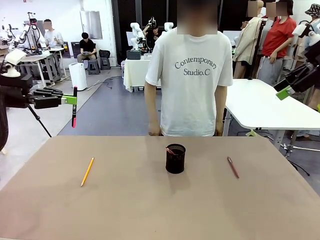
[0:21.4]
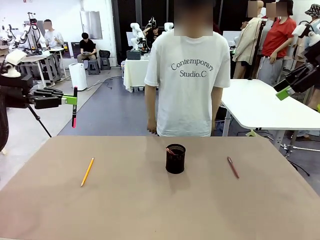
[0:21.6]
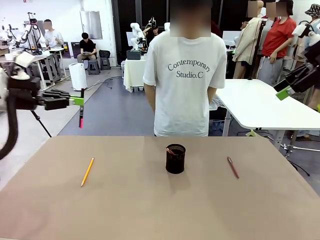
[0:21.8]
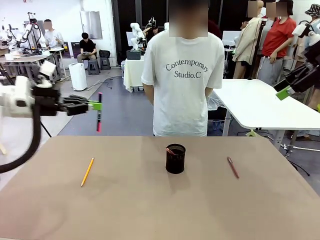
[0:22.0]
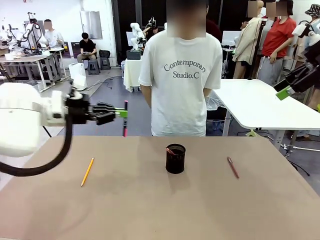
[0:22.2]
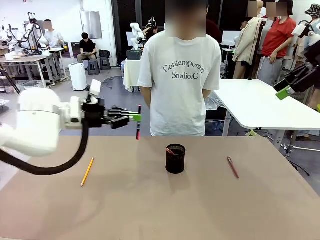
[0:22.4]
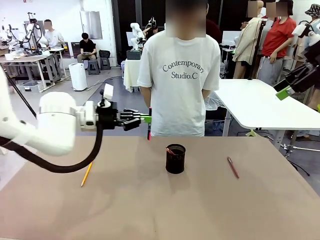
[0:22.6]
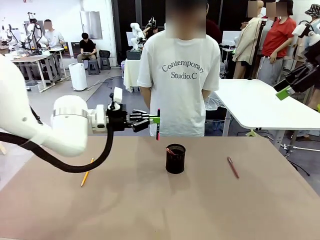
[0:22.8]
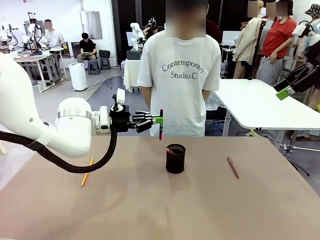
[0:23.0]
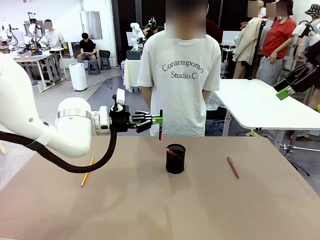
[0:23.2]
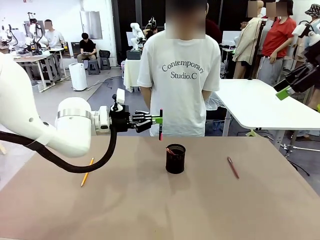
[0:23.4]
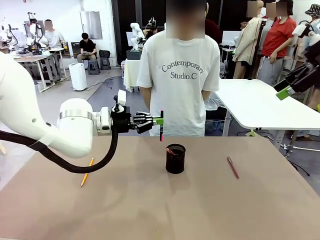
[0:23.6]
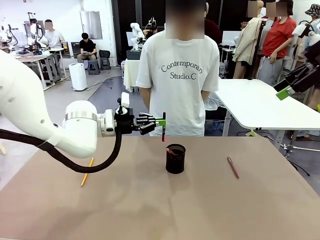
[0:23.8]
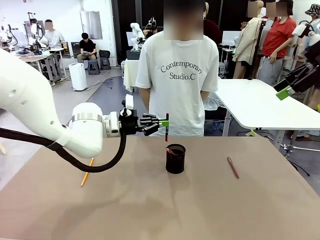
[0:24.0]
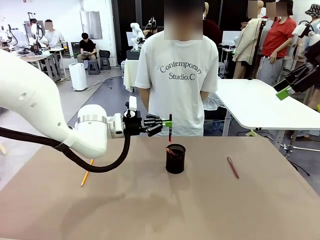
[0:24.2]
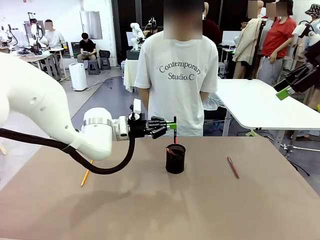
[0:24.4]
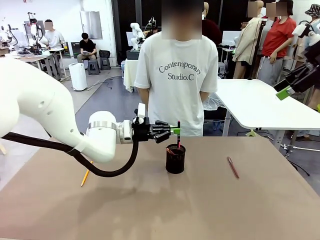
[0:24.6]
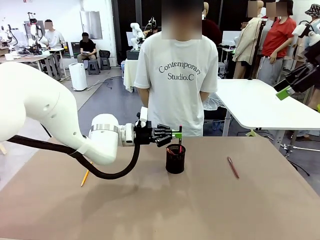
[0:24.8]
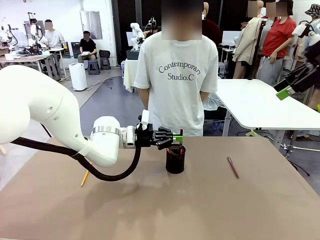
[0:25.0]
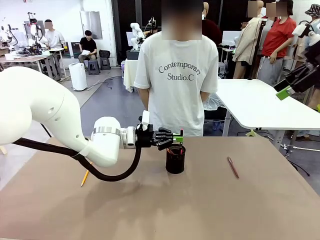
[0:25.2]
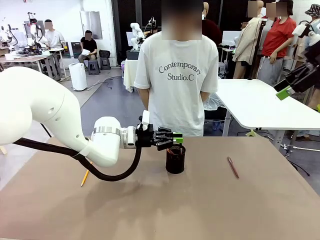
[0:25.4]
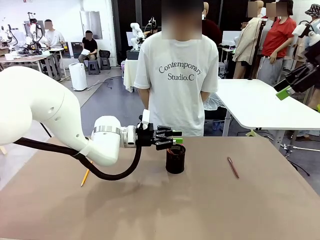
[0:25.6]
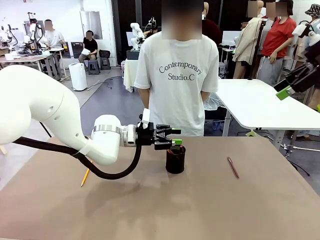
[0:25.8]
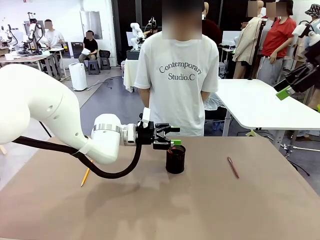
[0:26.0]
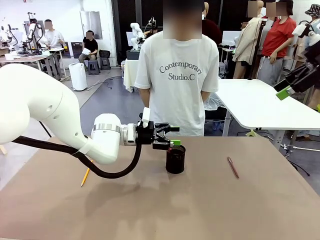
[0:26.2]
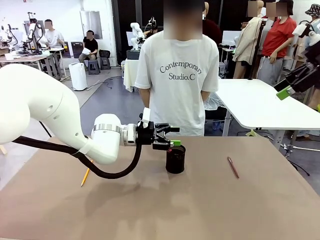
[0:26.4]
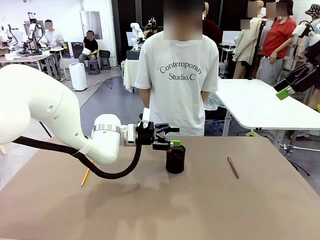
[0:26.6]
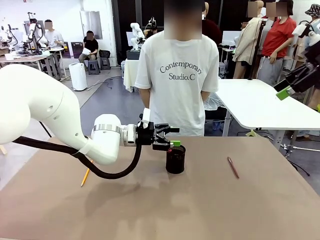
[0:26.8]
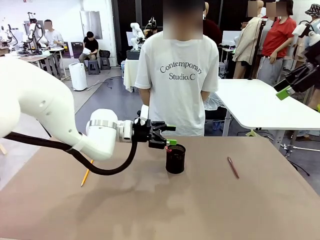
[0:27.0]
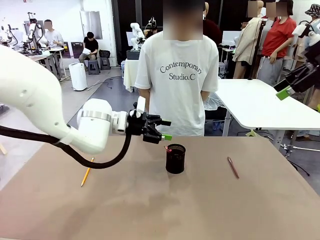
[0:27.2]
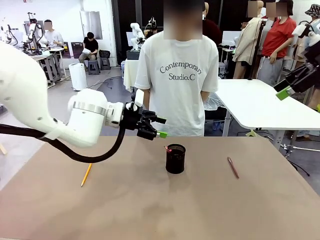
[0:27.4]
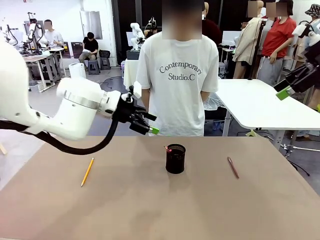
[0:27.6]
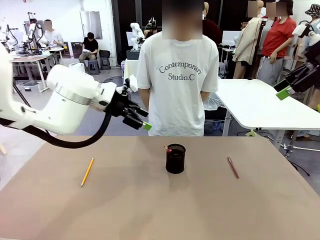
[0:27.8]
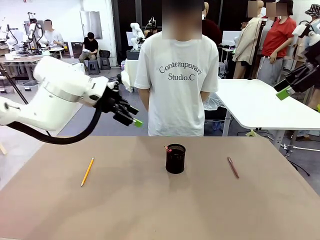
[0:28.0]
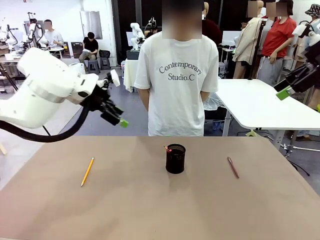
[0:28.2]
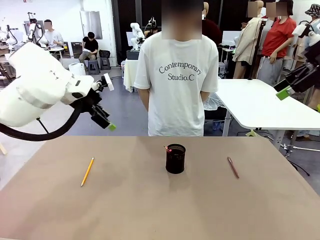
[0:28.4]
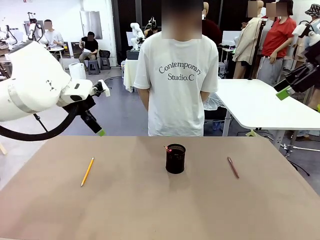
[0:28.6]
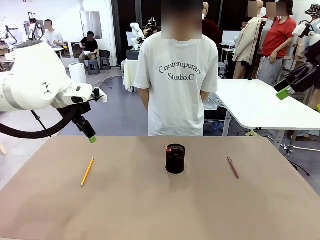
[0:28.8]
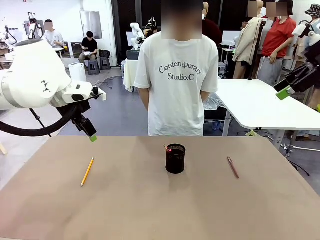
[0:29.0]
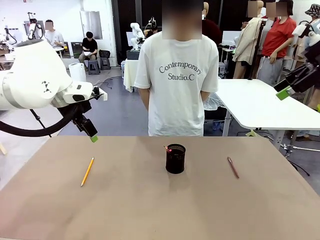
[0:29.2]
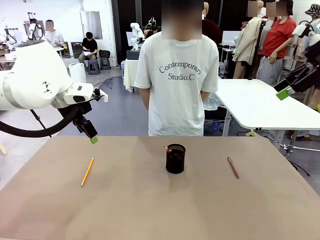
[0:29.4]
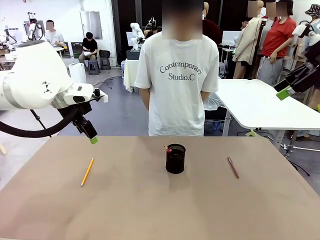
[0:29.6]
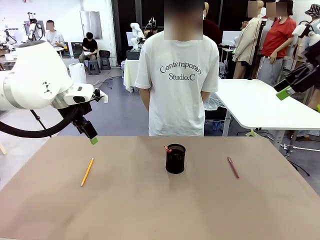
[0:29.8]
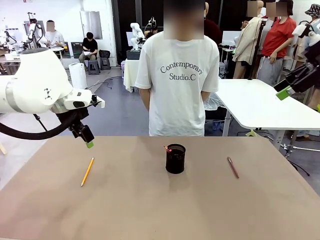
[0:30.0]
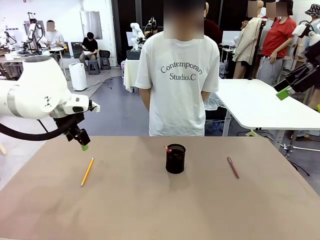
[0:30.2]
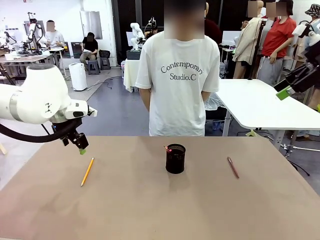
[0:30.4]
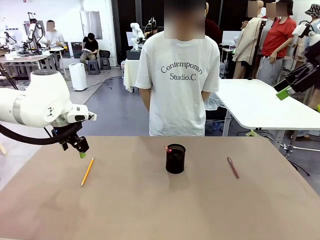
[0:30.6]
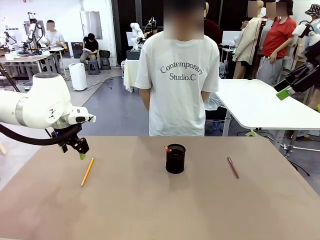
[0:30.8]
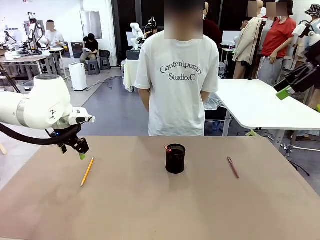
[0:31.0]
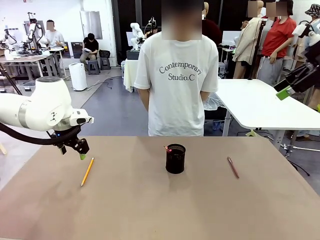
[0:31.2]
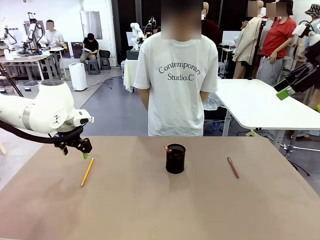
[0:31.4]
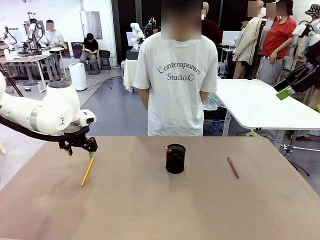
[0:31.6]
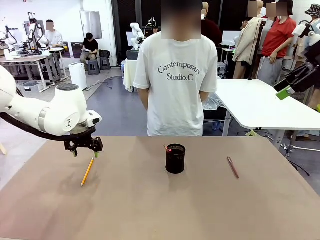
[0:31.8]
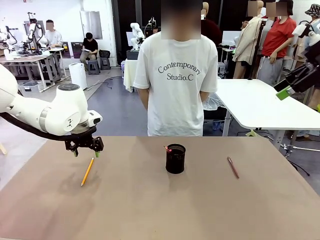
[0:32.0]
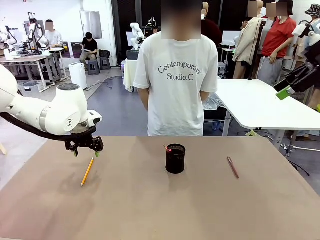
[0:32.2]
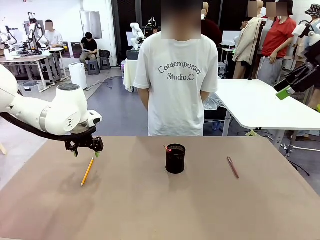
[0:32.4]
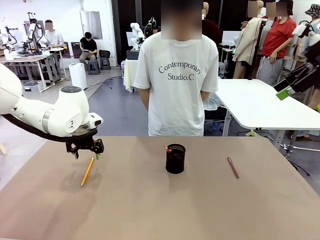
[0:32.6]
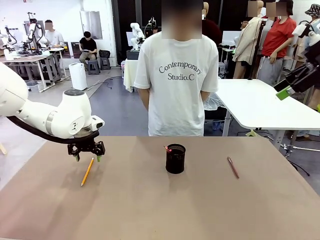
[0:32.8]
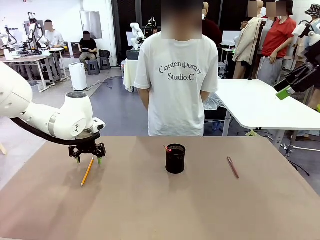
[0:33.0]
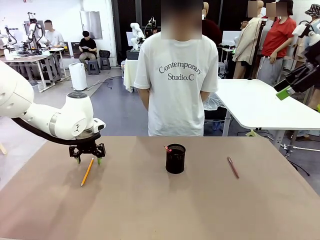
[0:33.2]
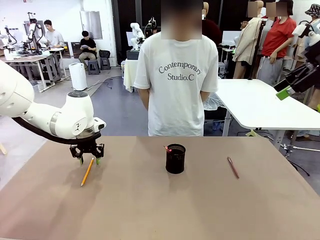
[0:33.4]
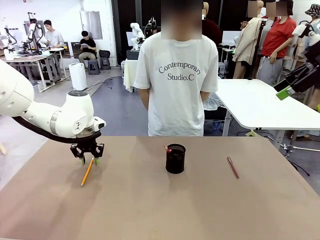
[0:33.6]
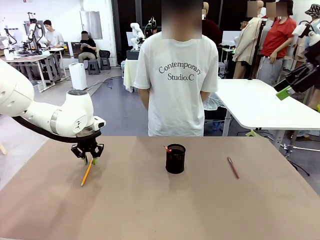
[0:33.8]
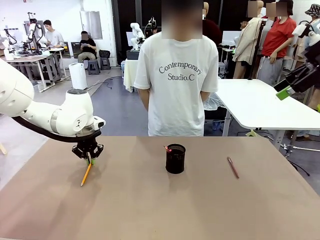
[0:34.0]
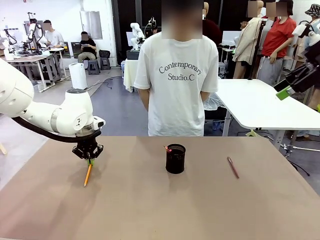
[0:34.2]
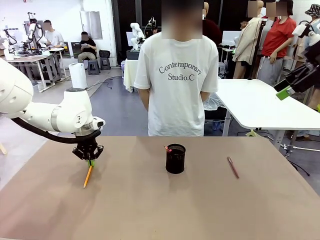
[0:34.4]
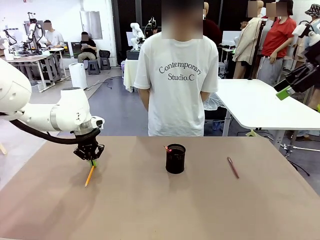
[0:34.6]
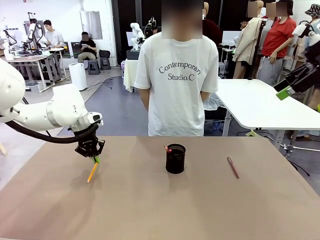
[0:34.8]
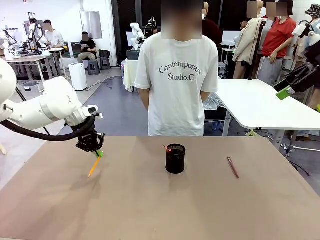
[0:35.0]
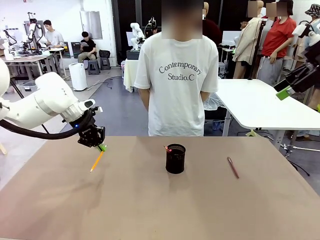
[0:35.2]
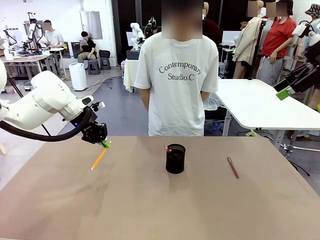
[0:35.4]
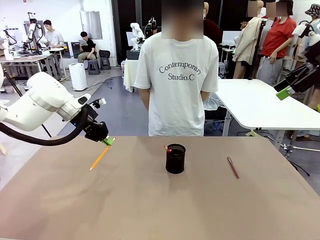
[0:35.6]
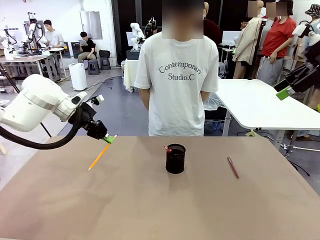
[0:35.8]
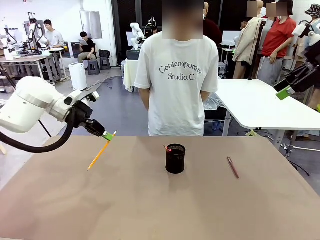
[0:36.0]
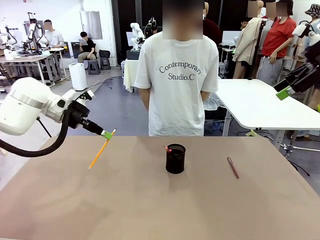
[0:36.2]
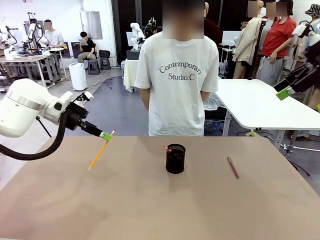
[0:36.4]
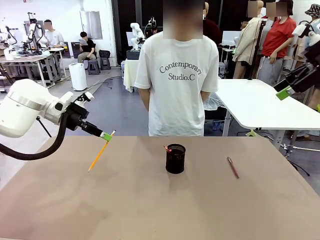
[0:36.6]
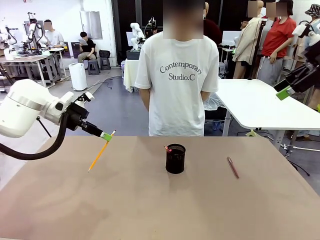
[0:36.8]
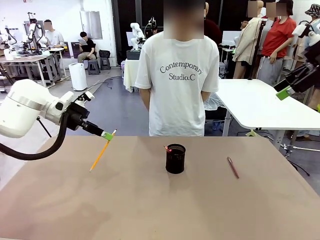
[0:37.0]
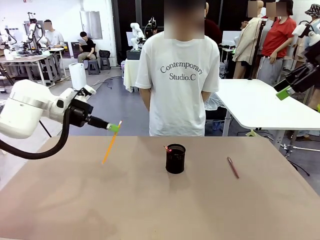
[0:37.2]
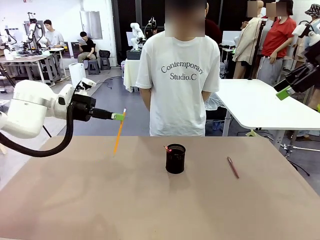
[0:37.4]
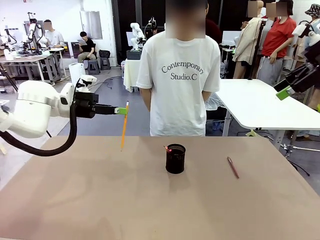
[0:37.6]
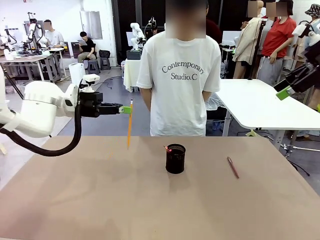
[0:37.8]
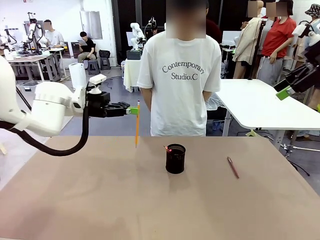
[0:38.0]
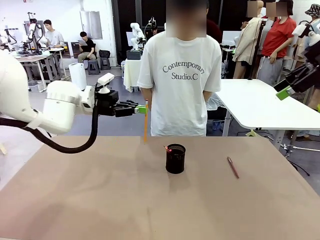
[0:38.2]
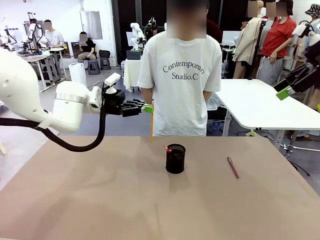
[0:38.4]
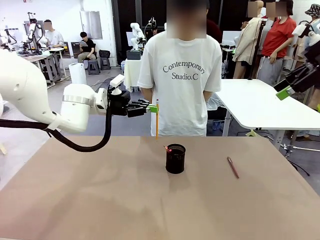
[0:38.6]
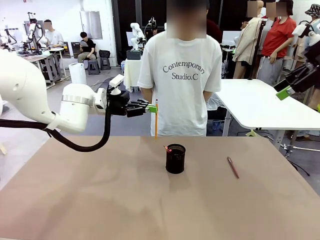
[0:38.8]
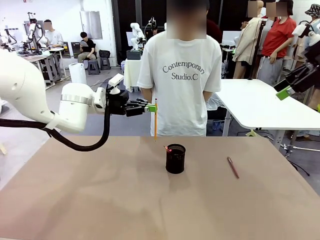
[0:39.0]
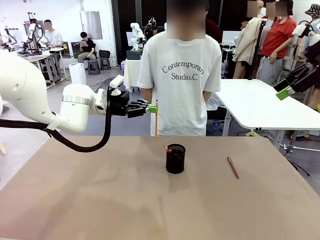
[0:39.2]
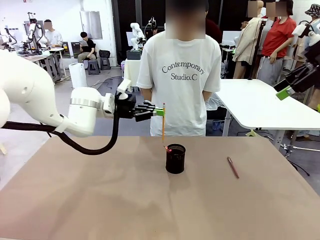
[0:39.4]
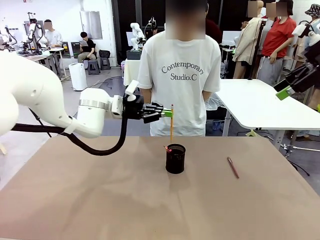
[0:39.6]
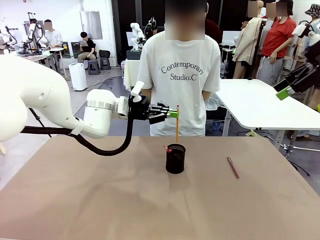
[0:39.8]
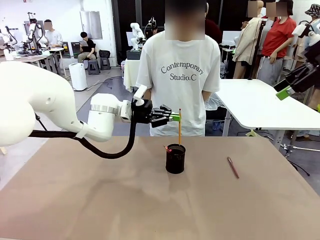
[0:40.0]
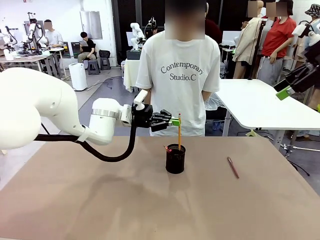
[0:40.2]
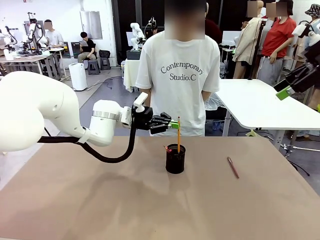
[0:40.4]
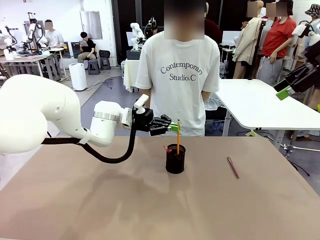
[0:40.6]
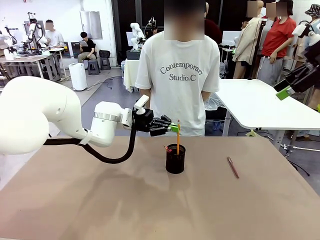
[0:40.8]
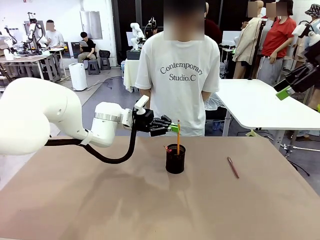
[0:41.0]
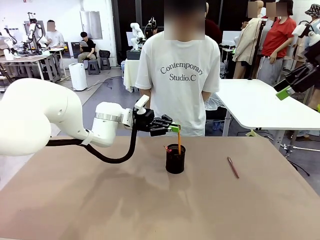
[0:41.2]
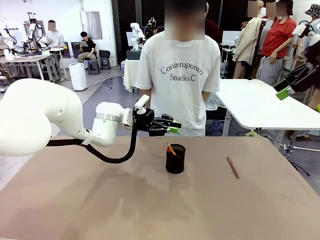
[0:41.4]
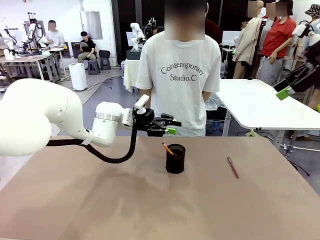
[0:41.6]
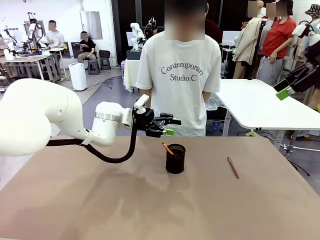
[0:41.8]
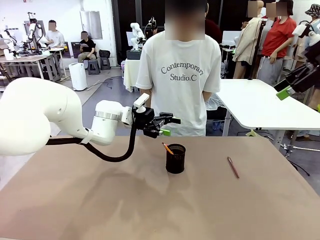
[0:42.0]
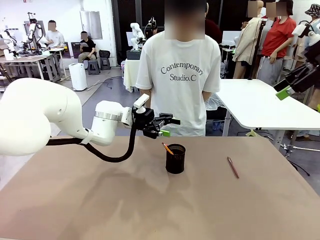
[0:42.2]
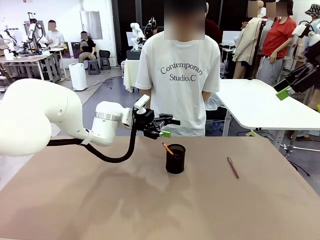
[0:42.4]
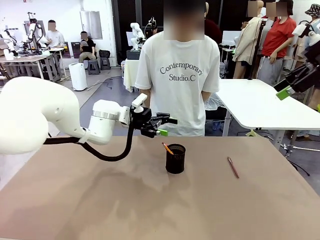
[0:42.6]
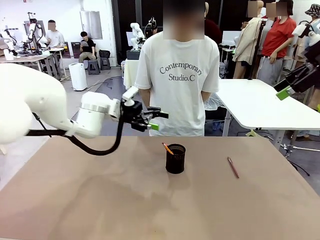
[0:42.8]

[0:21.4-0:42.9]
Task: Place the pens into the pen holder.
Robot: Pick up a writing instrument from the table and place it into the Pen holder.
